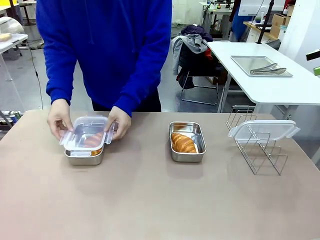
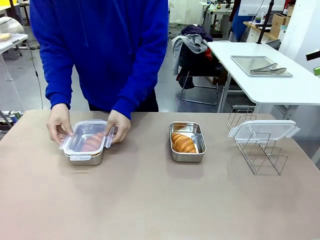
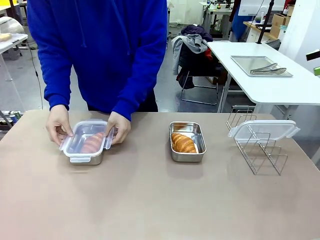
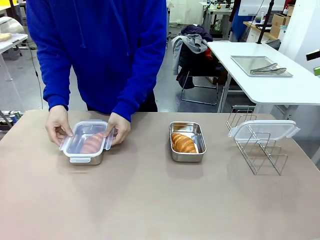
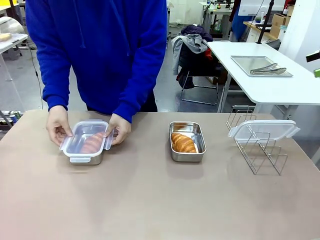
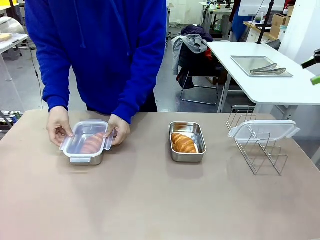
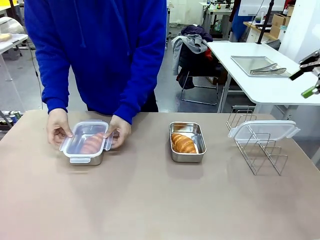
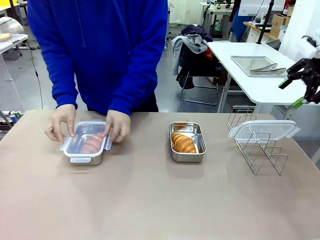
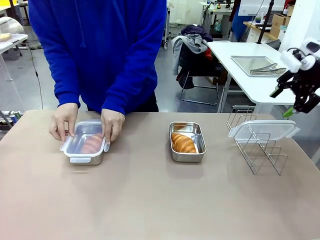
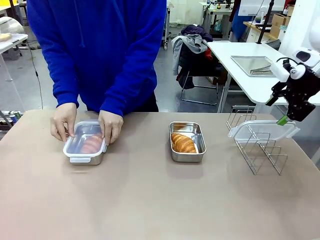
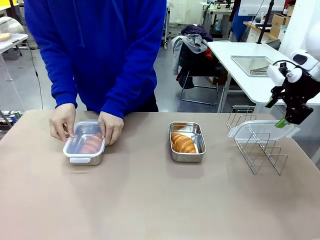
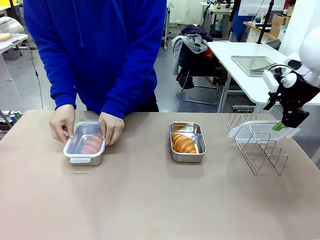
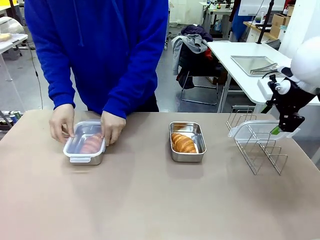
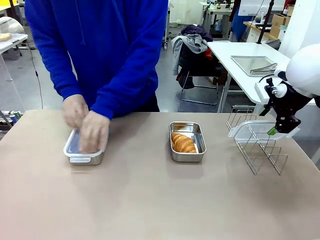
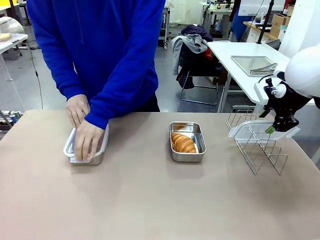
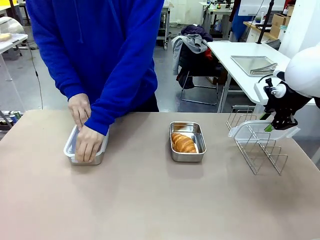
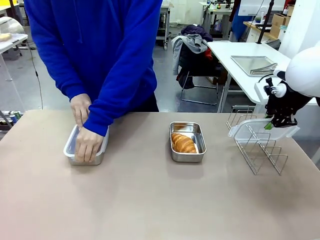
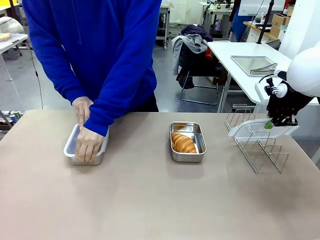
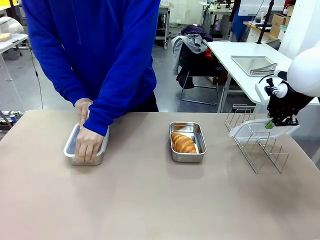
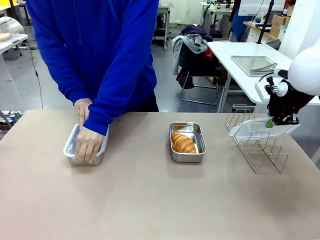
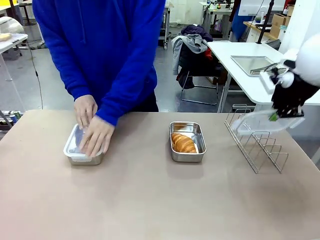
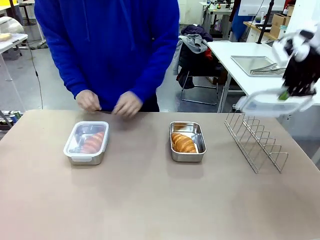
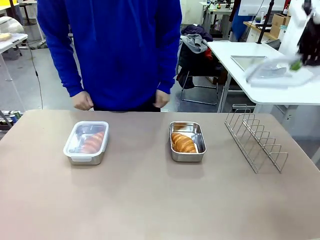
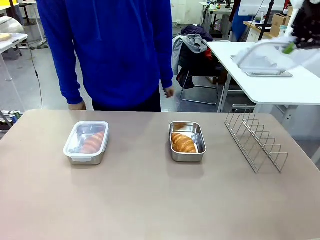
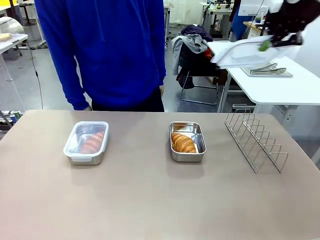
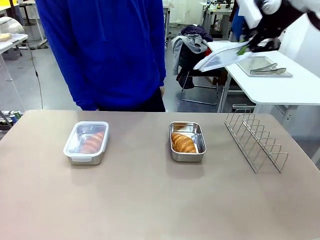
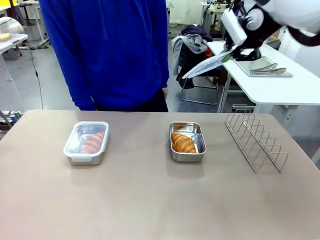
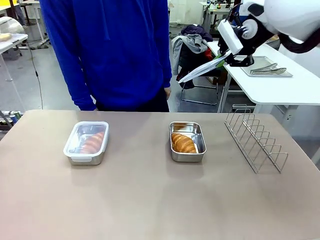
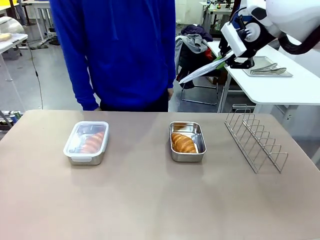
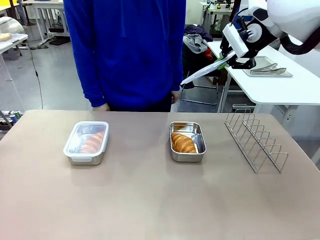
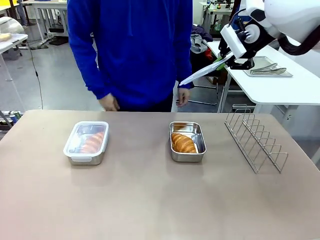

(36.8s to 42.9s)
Task: Place the bread in airtight containers.
Robot: Pick up one Airtight Container lid and hand it to the human.
Person: Close Airtight Container with a handed Airtight Container lid.

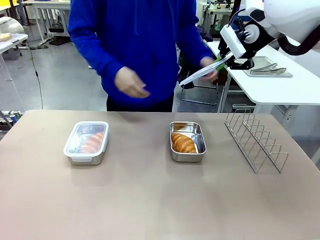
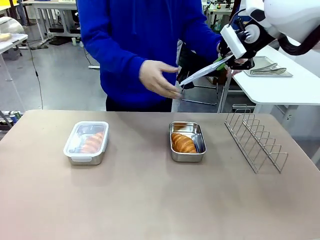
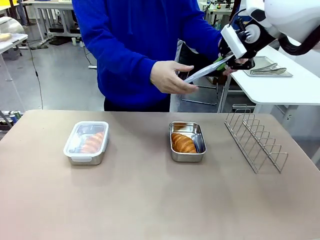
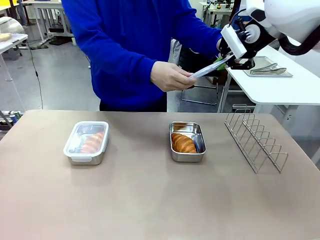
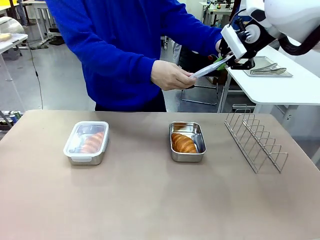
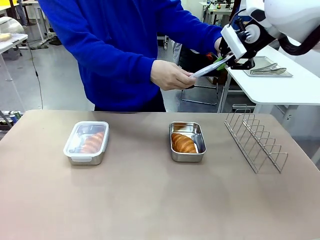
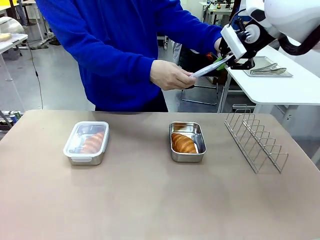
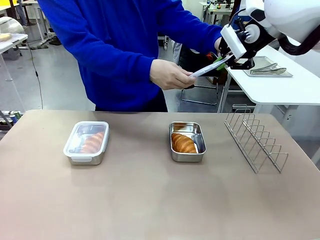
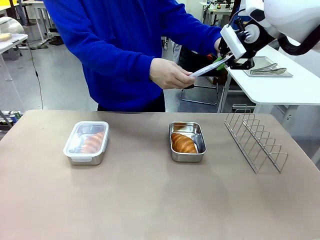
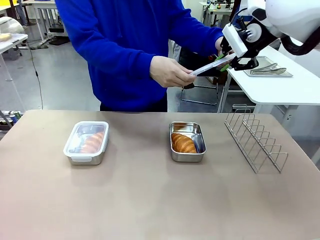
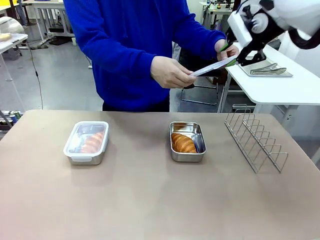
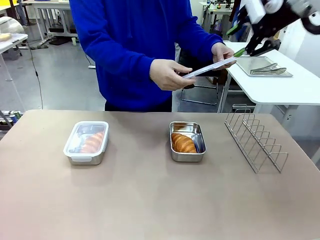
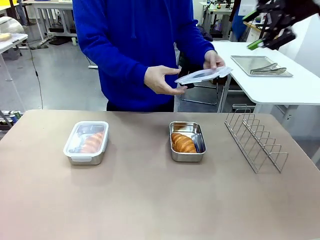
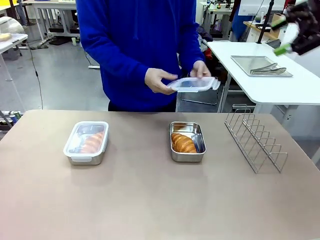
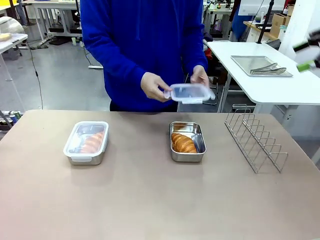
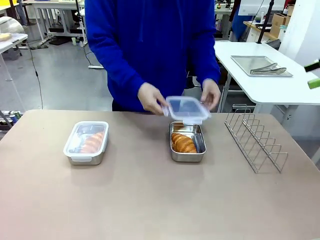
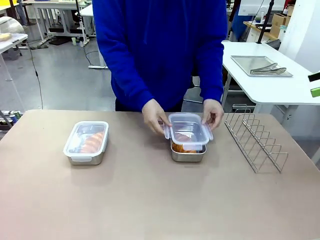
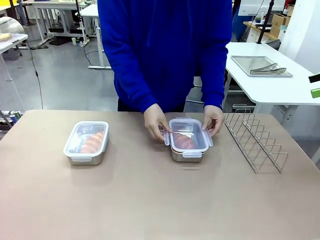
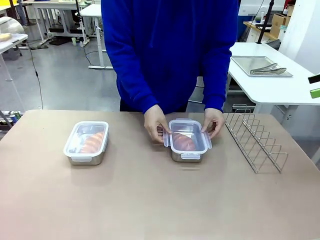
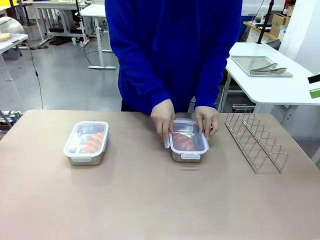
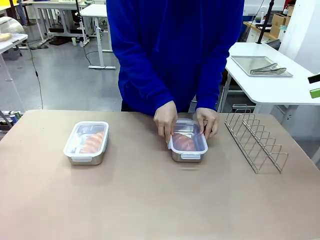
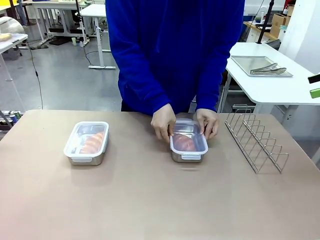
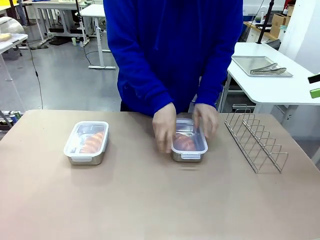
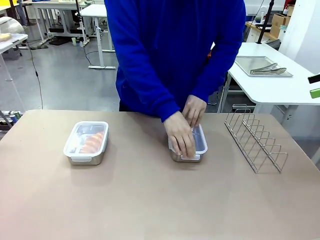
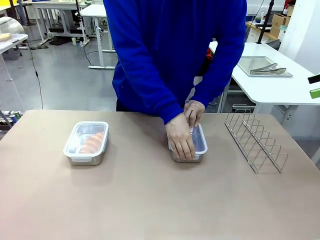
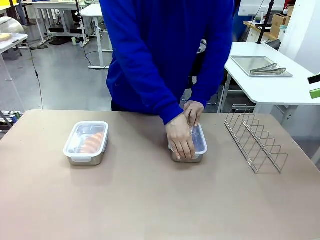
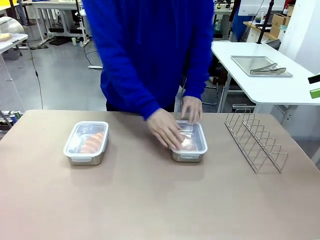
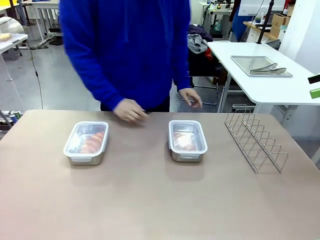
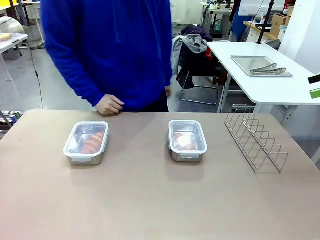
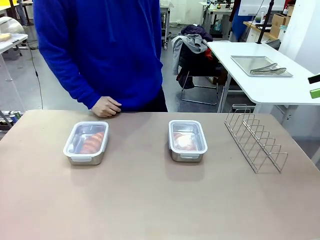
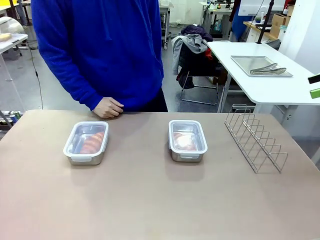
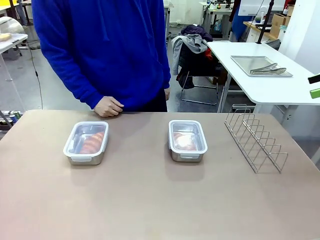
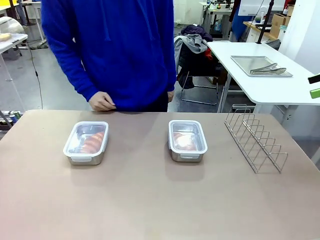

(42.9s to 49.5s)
Robot: Release when the human grabs the Airtight Container lid.
Person: Grip Airtight Container lid that robot is handing. Close Airtight Container with a handed Airtight Container lid.
